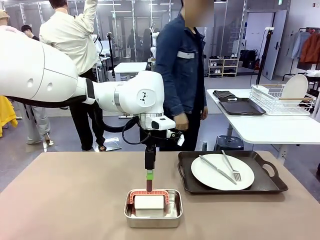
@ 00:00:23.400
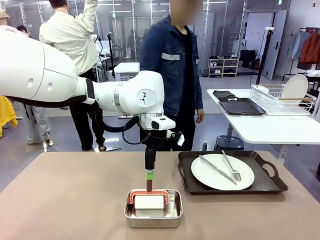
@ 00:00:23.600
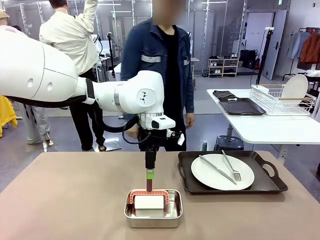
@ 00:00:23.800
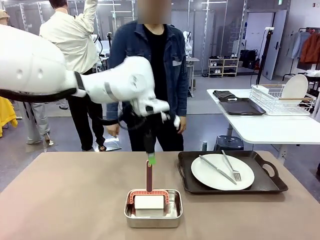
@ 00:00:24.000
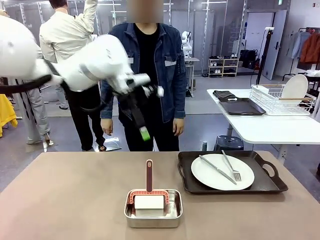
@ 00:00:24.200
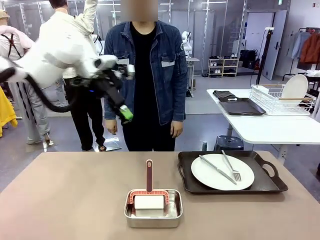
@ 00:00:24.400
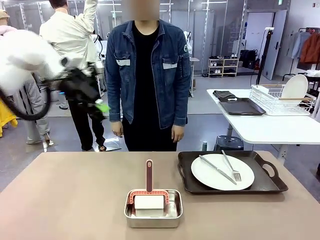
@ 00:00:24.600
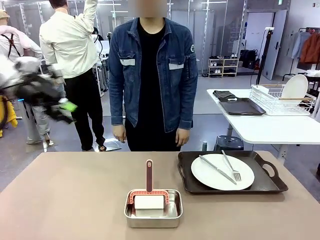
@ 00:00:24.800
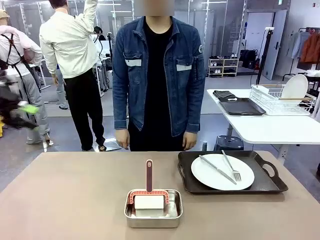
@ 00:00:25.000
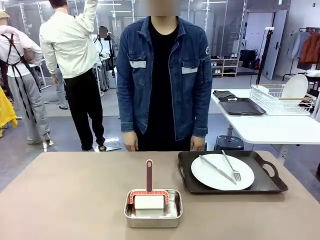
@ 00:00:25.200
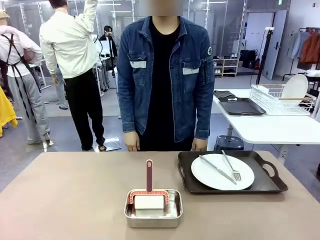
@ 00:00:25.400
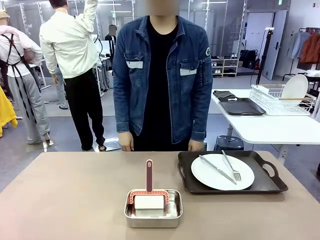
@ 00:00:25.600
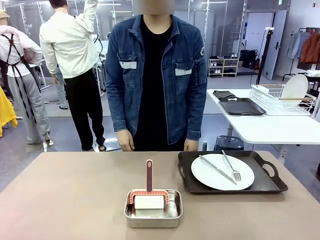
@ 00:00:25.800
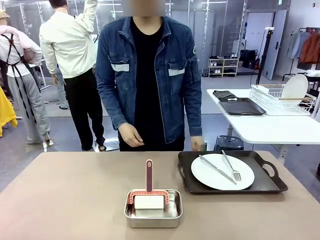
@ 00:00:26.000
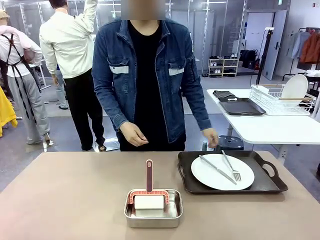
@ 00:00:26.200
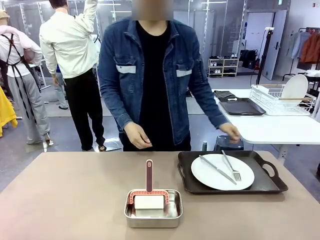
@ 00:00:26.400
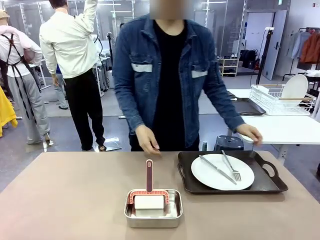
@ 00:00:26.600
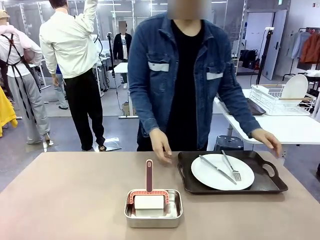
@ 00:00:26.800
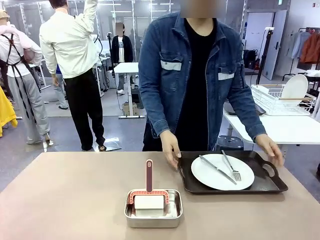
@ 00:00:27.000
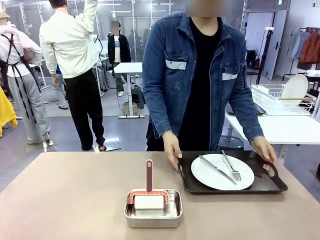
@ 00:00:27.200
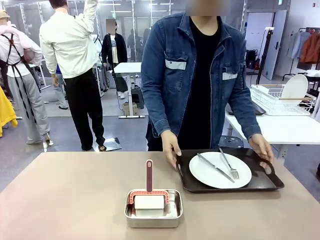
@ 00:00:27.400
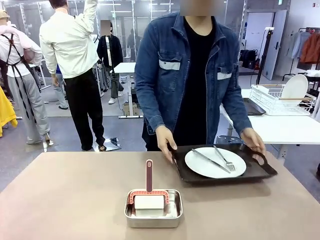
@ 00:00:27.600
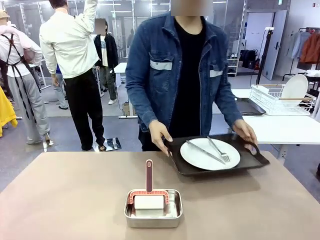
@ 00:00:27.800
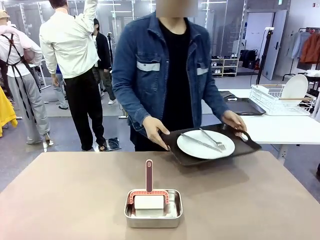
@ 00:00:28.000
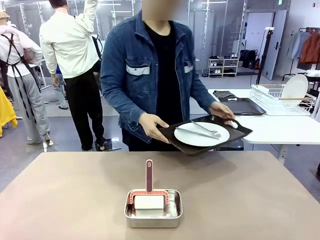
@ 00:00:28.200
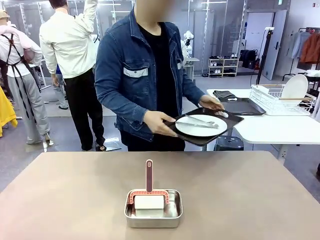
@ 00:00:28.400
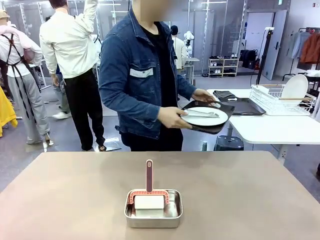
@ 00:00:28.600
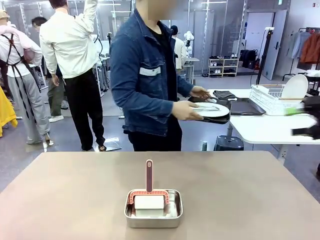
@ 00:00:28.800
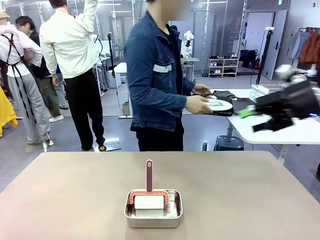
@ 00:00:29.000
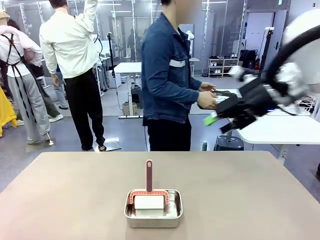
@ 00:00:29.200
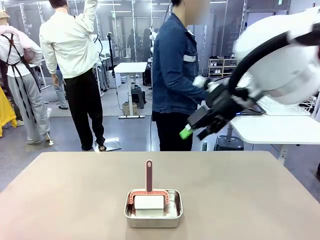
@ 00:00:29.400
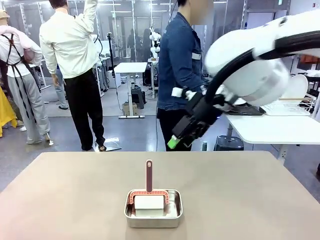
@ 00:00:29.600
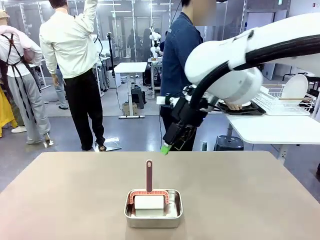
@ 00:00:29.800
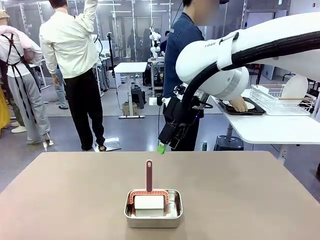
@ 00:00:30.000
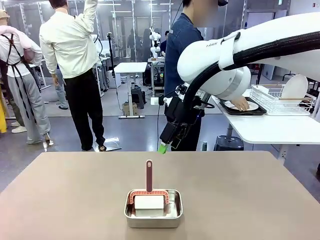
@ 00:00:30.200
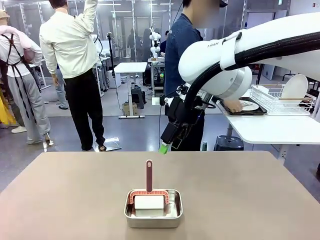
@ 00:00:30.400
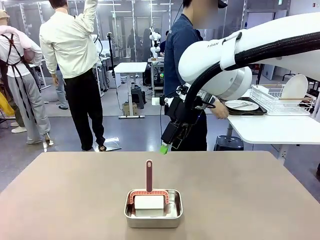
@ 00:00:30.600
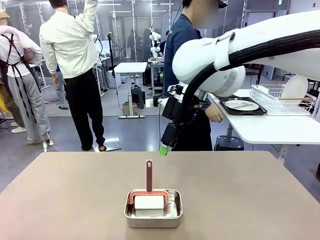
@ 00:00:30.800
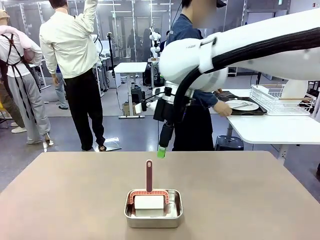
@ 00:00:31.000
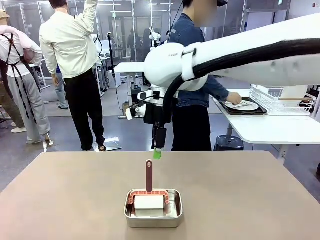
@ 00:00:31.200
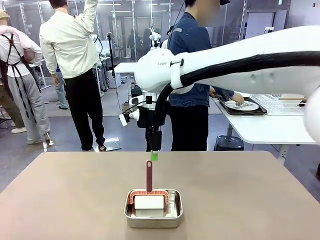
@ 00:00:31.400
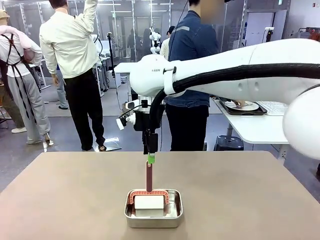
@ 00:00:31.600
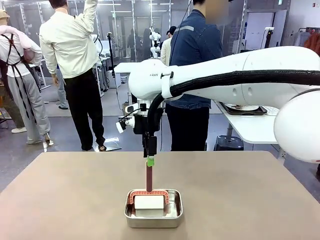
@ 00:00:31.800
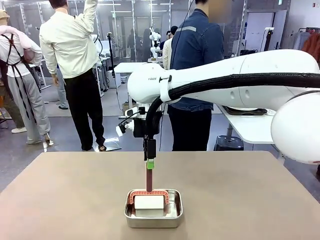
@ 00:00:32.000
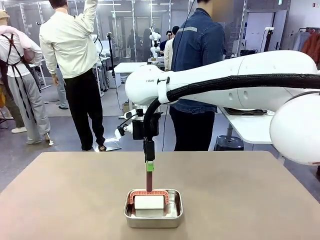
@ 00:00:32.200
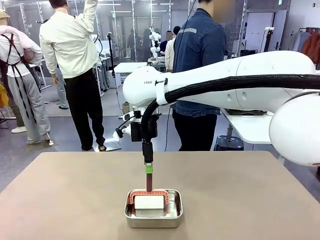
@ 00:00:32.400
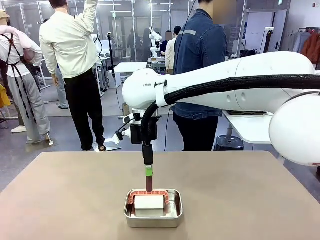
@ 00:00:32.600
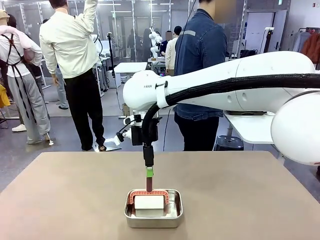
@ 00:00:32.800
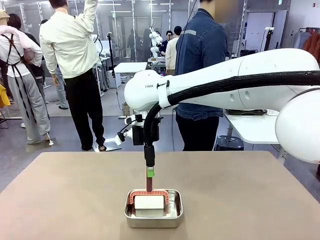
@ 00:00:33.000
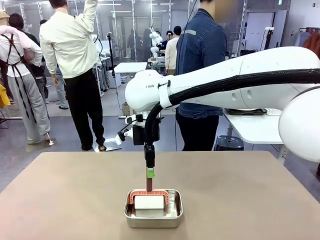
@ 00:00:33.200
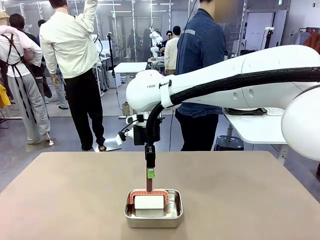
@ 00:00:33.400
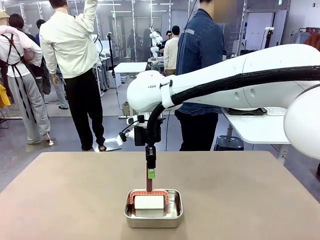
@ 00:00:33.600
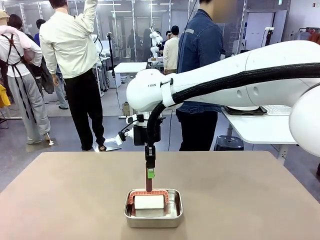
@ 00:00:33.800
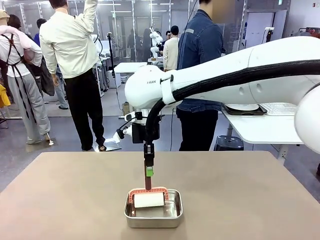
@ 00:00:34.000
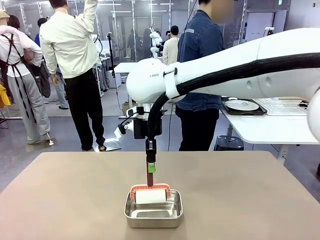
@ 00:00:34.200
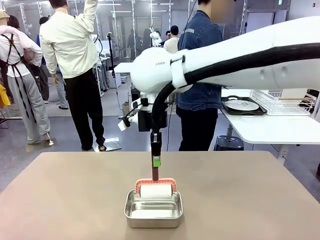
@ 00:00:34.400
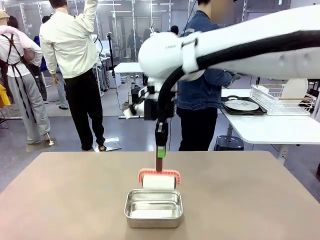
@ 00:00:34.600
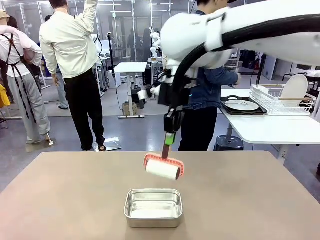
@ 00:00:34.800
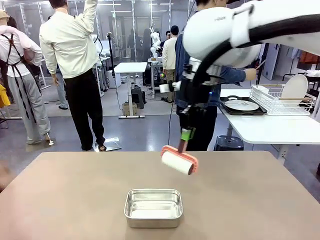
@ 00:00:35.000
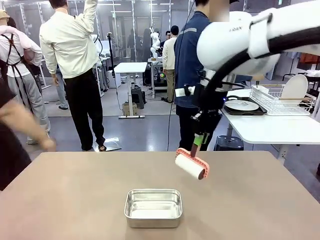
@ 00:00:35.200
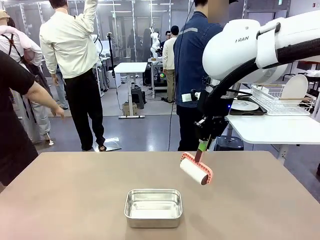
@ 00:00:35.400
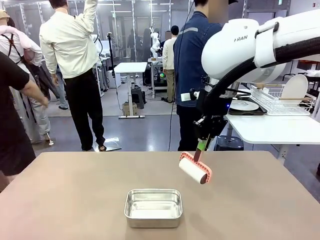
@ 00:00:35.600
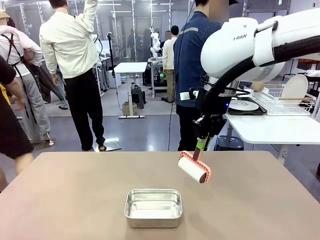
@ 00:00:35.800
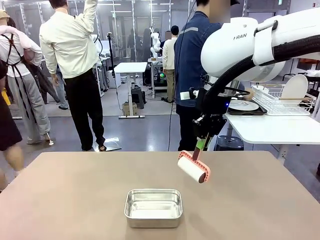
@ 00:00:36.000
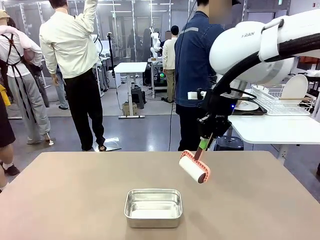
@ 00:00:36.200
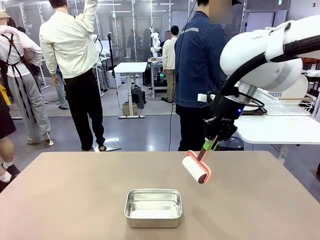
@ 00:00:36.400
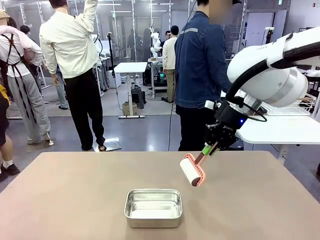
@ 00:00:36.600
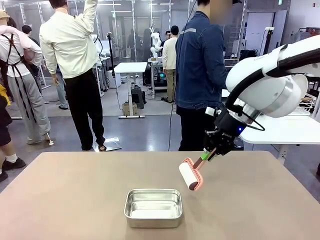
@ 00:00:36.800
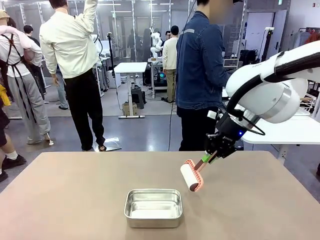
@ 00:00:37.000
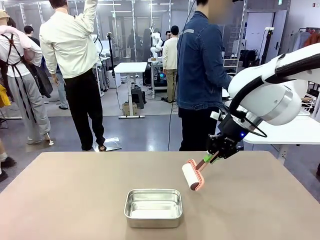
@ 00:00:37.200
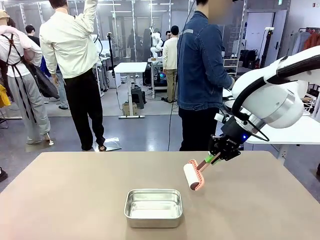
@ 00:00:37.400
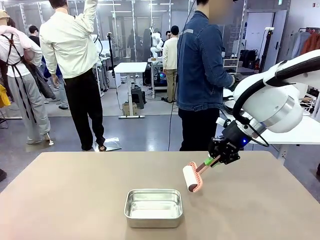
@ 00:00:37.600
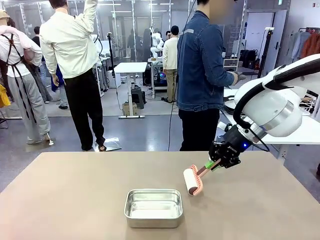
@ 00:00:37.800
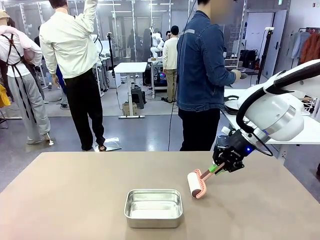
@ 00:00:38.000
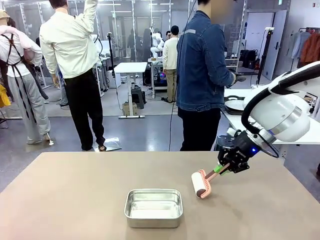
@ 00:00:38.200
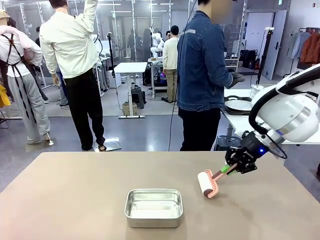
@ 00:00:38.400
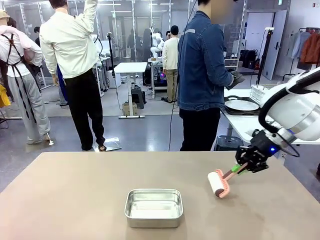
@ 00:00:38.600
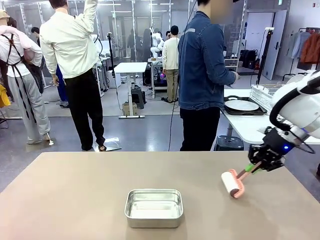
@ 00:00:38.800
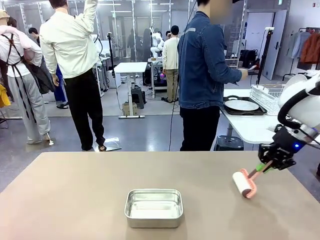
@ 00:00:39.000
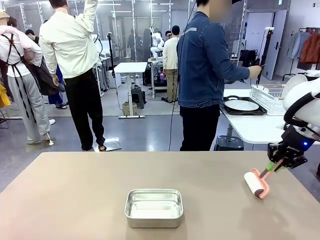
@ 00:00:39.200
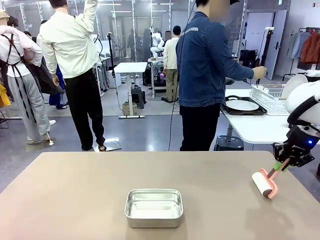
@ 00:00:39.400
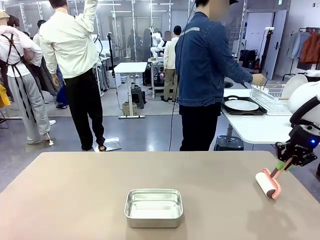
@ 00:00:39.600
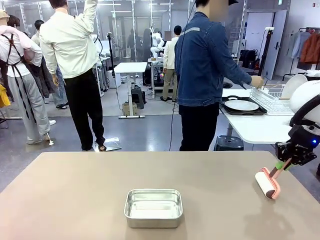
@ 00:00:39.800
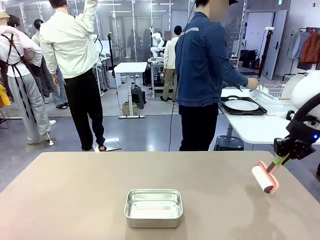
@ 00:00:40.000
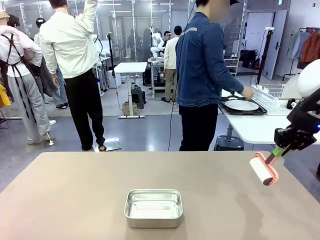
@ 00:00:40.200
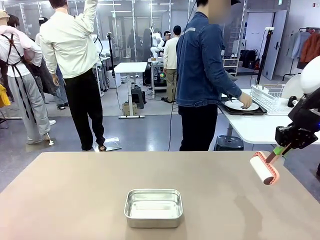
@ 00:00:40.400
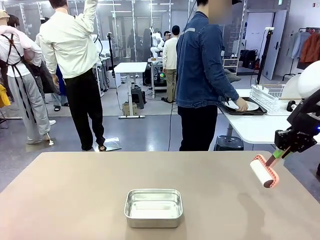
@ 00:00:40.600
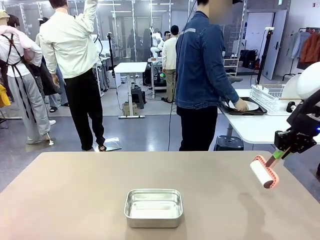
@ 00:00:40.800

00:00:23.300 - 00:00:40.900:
Robot: When the right (or left) Handle tray is removed, use the right hand (or left hand) to clean the right (or left) side of the table with the Lint Roller.
Person: Pick up the left (or right) Handle tray and place it on the Handle tray. Use the Towel with hook to wipe the Plastic Matte Plate , Fork , and Knife and place into the Dish drying rack.
